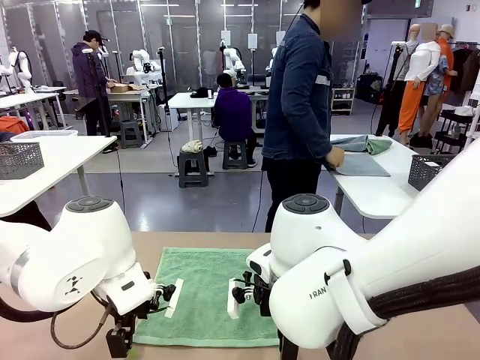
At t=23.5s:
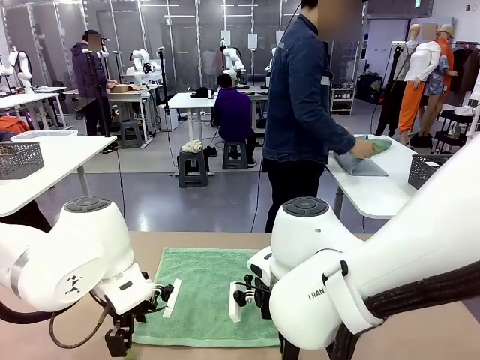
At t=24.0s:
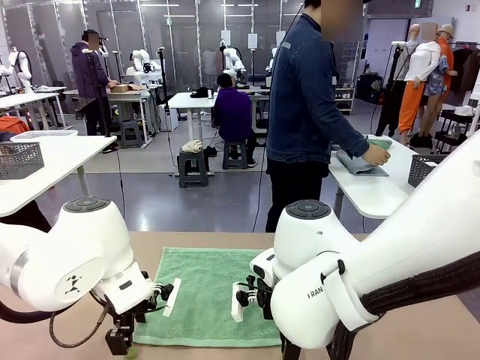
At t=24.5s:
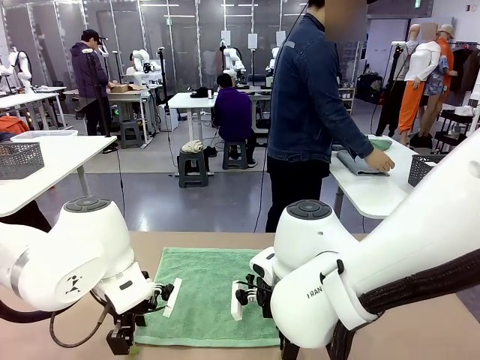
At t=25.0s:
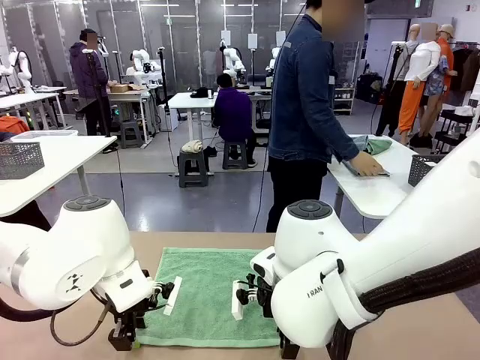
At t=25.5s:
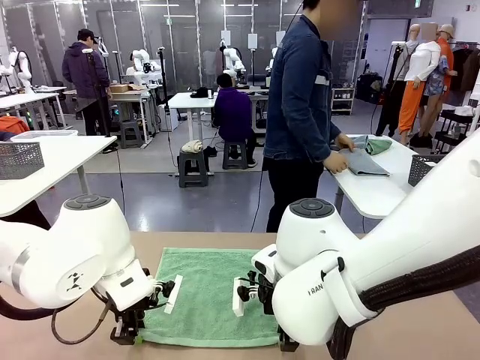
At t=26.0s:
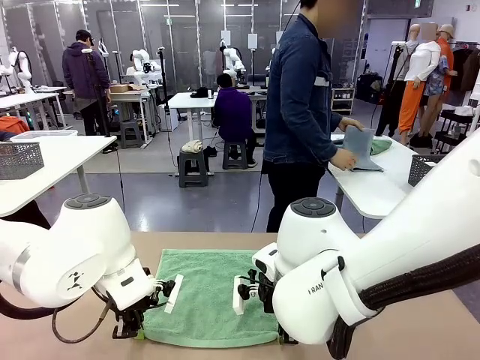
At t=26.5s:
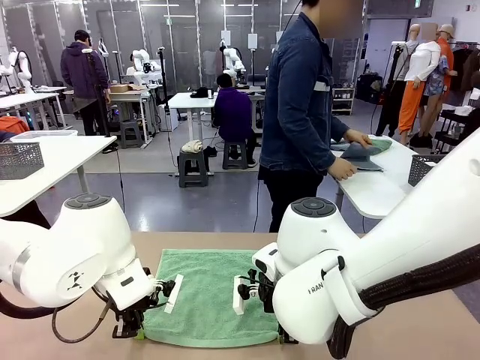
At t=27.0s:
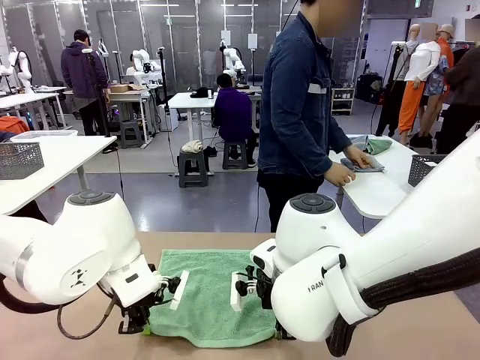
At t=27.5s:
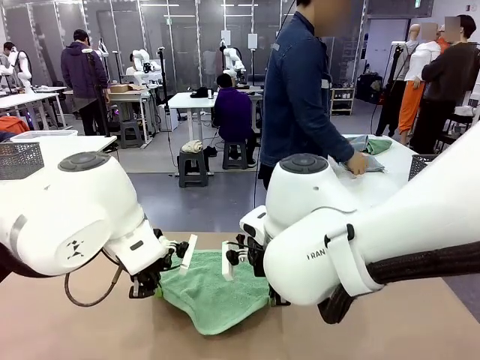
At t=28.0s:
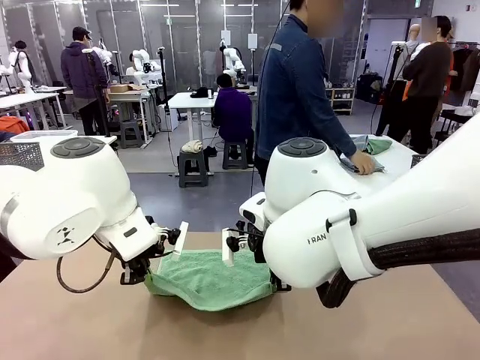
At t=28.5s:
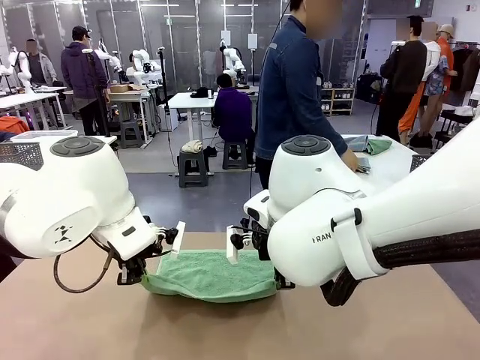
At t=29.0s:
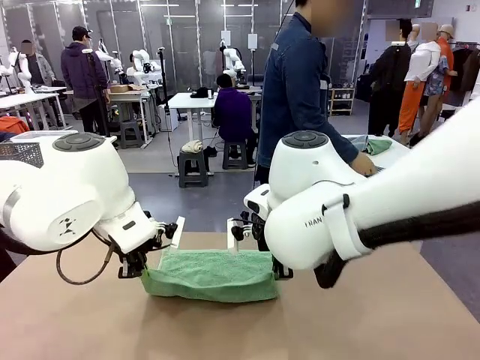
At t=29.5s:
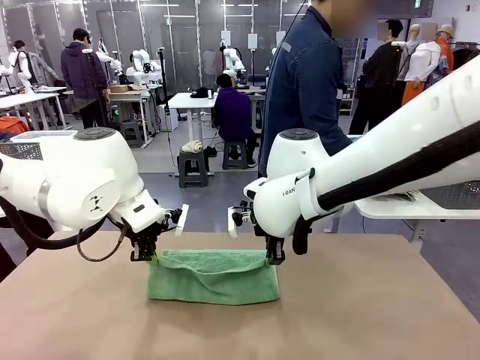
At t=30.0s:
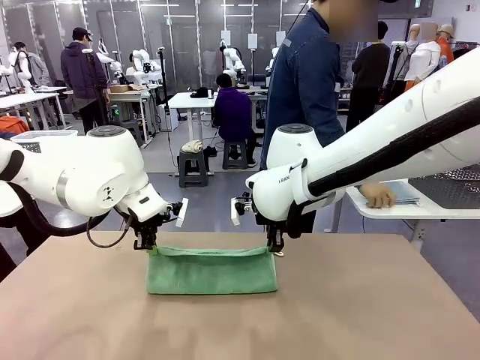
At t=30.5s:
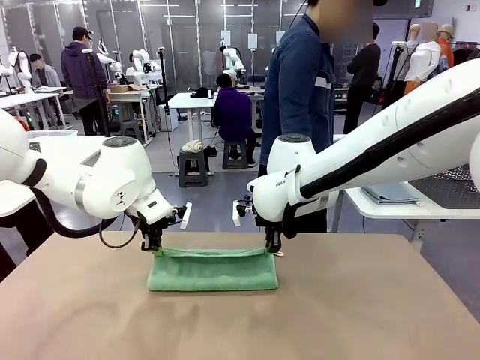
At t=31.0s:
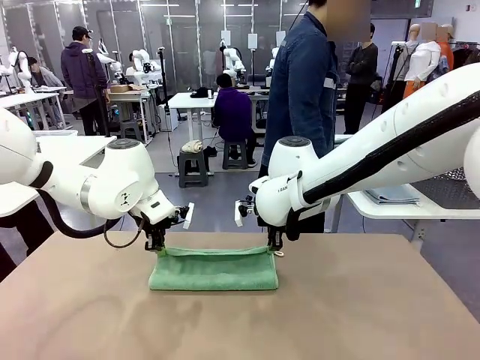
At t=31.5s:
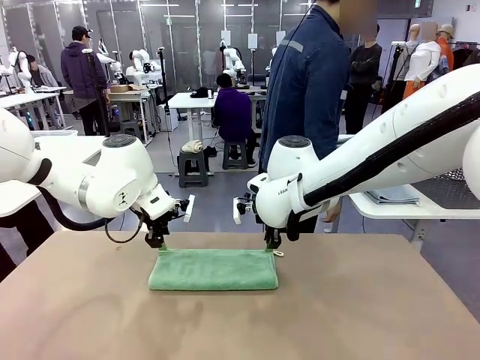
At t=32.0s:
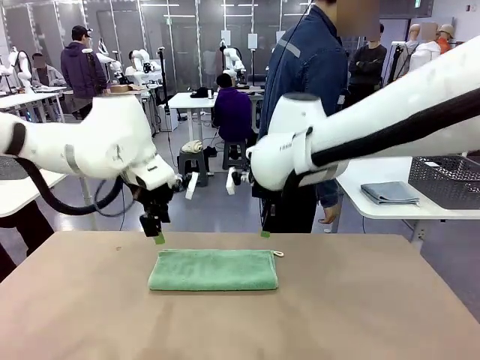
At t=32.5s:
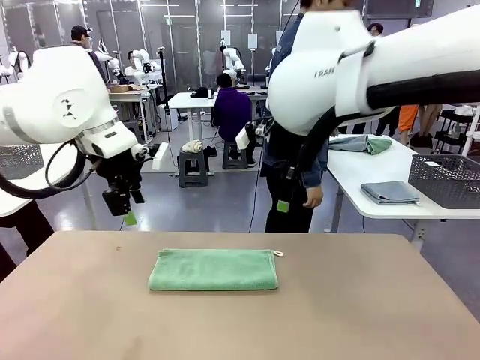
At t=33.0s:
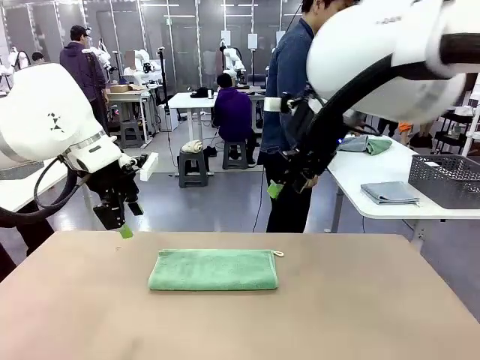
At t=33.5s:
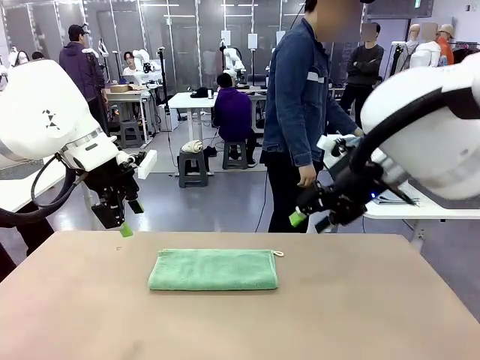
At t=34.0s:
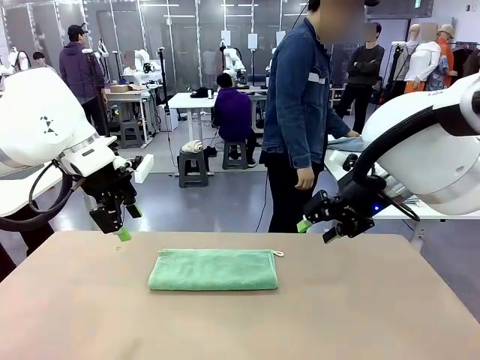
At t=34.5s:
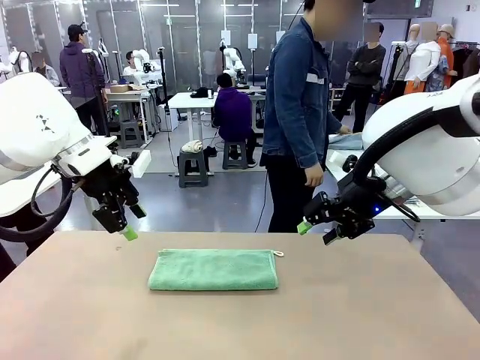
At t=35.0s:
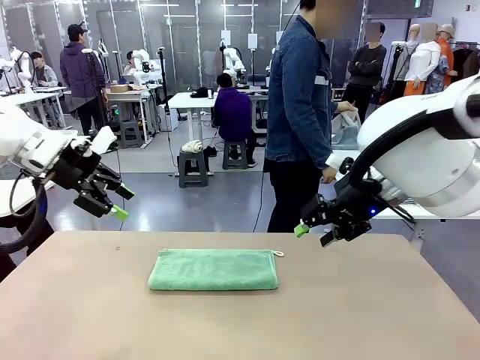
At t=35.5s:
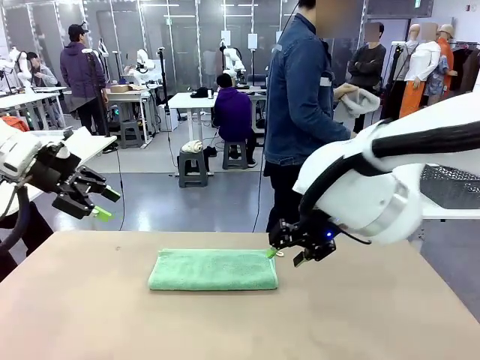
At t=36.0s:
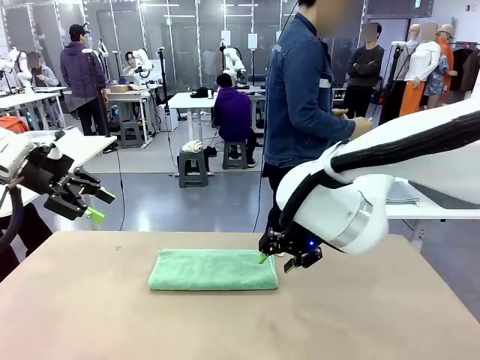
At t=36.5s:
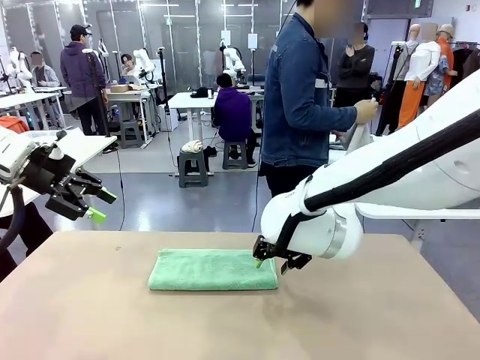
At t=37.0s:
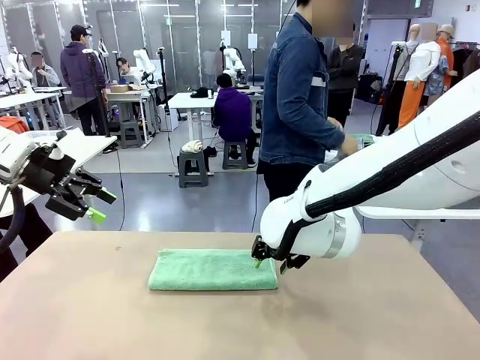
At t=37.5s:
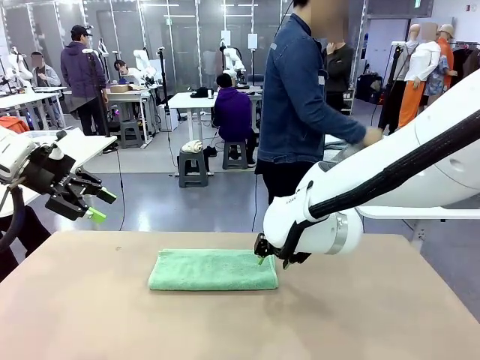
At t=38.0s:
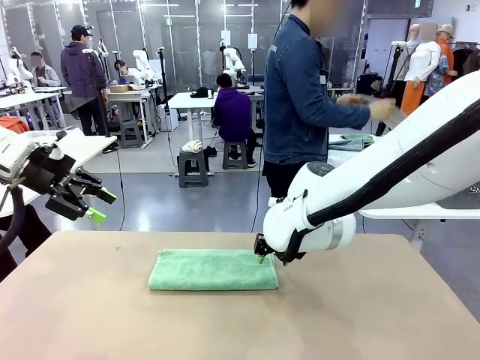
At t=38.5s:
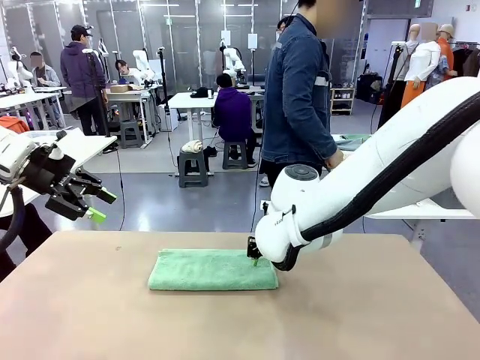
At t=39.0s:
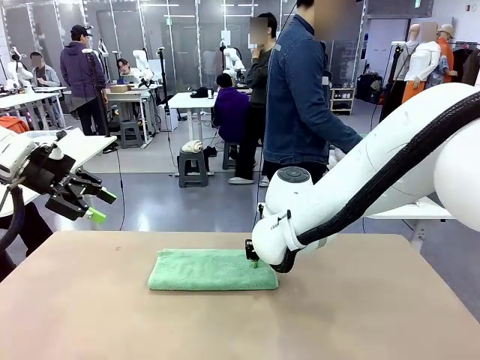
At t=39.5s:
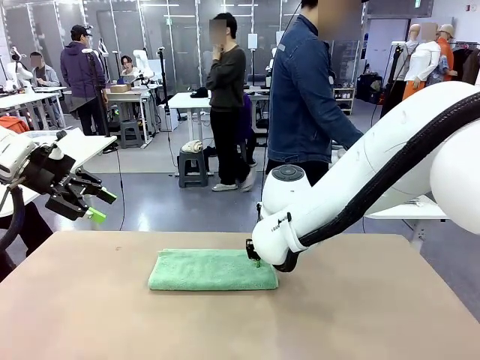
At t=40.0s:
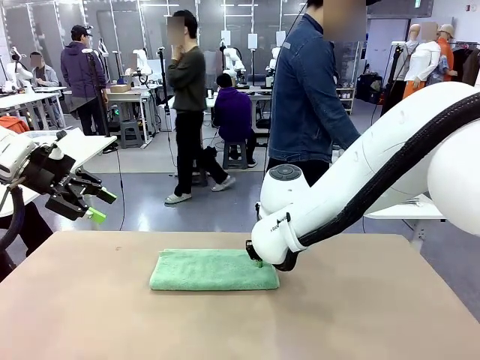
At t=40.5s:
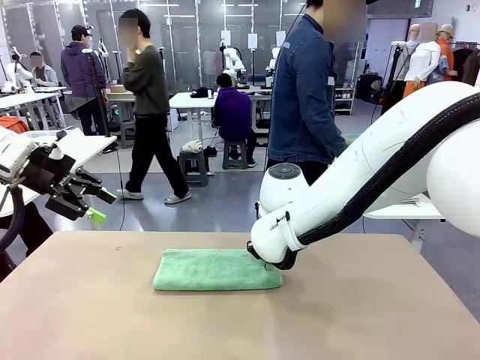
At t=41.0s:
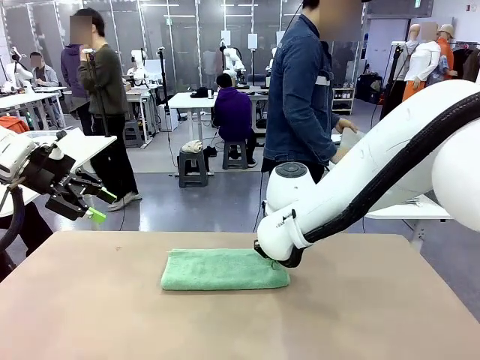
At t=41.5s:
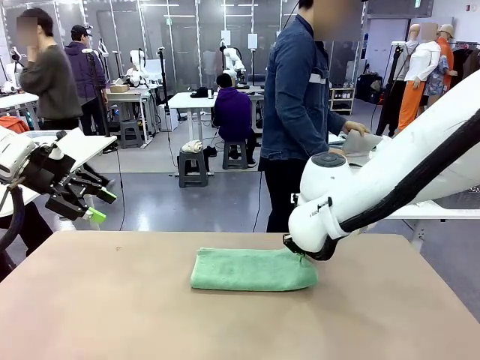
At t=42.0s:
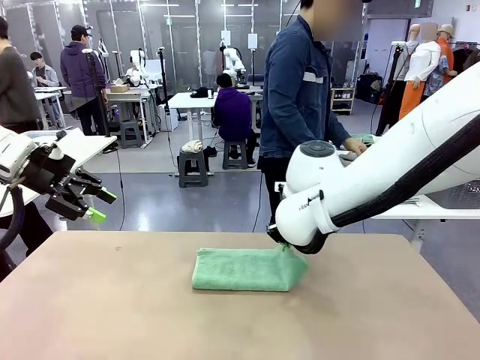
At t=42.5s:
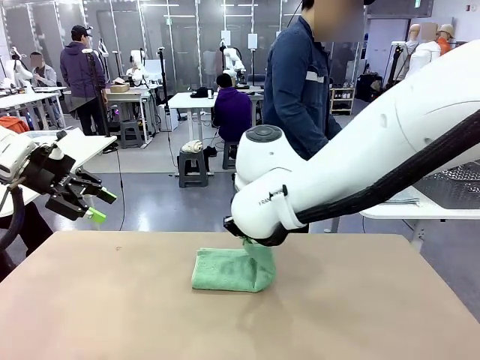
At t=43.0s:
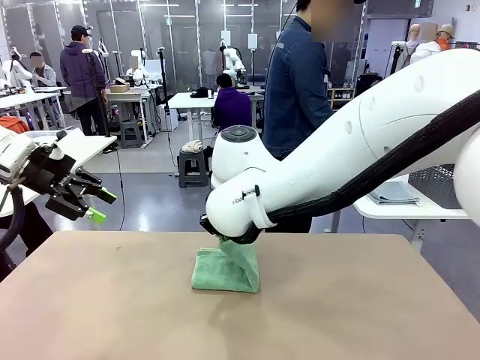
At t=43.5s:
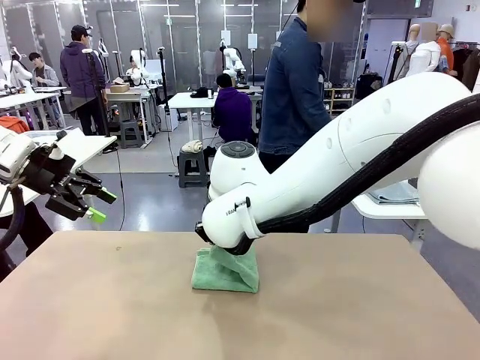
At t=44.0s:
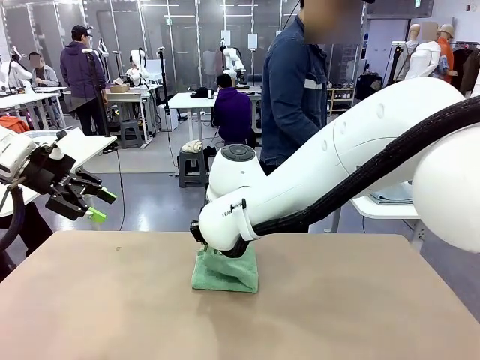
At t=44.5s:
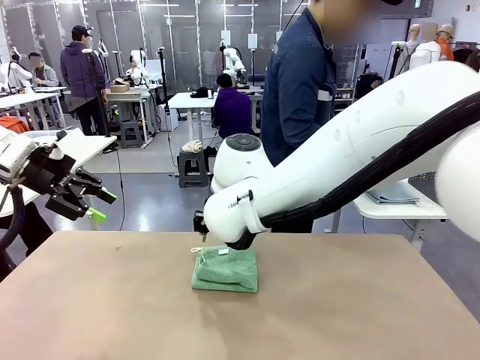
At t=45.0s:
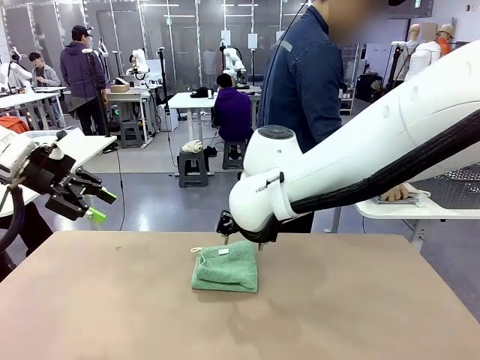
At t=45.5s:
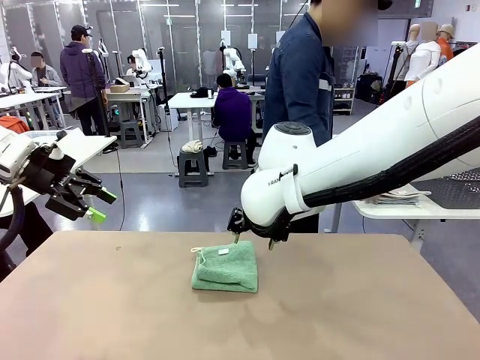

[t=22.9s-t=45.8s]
Task: Fold the towels and place them in the basket.
Robot: When a person lays out a Towel with hook on the table, fold it in half twice.
Person: Pick up one towel from the left side of the human table, fold it in half twice, and place it on the right side of the table. Pick up one towel from the left side of the human table, fold it in half twice, and stack it on the right side of the table.
